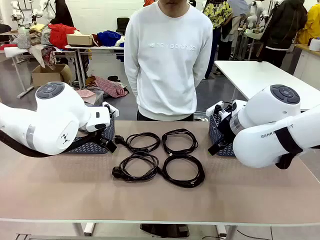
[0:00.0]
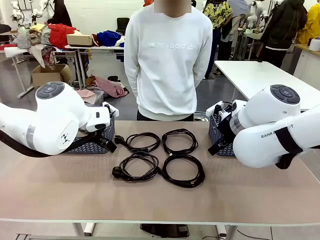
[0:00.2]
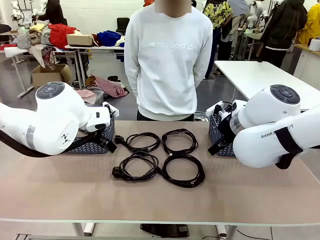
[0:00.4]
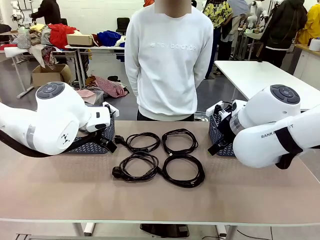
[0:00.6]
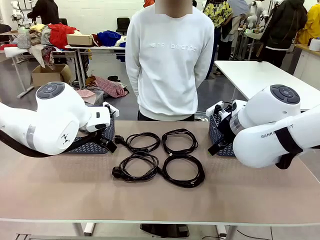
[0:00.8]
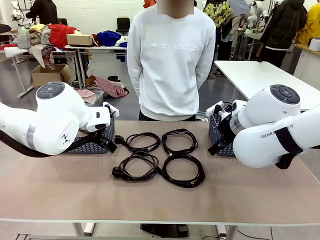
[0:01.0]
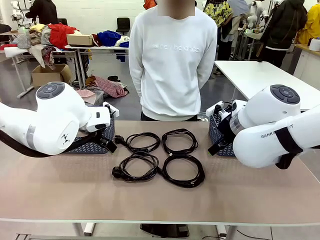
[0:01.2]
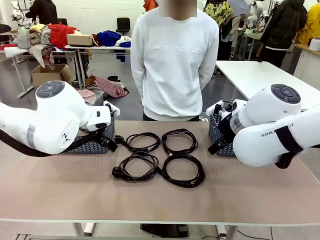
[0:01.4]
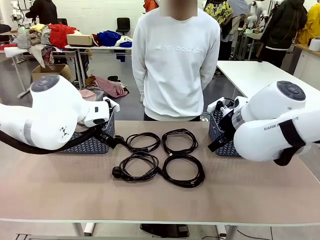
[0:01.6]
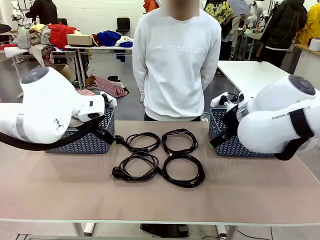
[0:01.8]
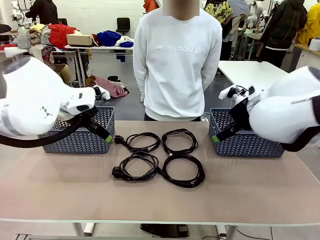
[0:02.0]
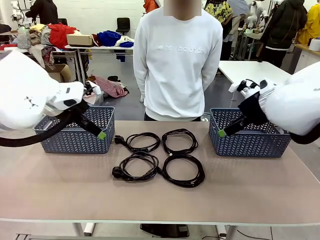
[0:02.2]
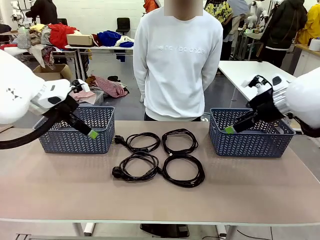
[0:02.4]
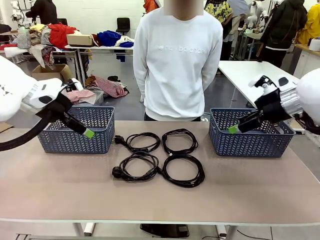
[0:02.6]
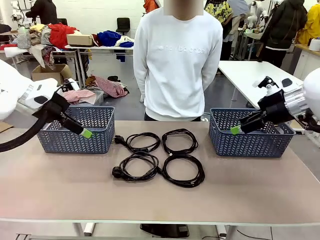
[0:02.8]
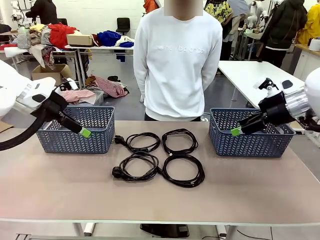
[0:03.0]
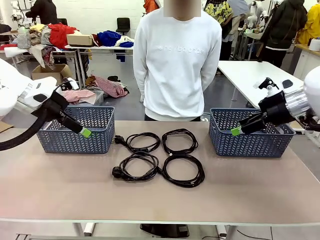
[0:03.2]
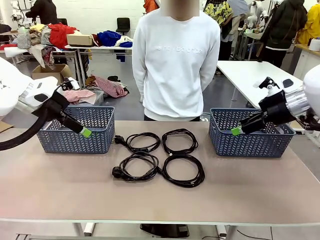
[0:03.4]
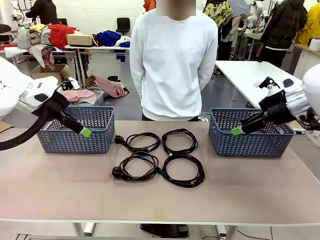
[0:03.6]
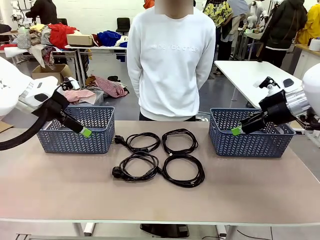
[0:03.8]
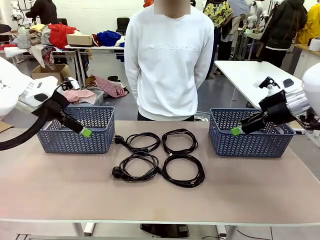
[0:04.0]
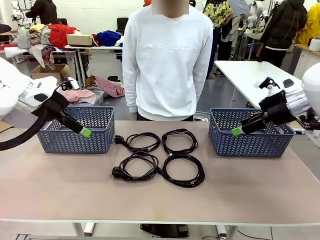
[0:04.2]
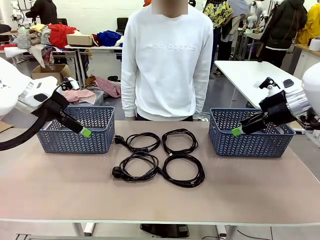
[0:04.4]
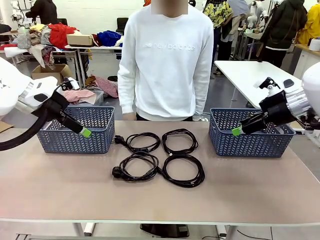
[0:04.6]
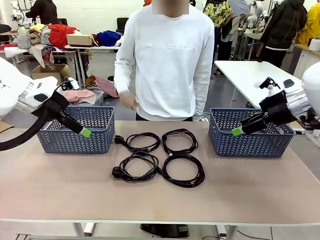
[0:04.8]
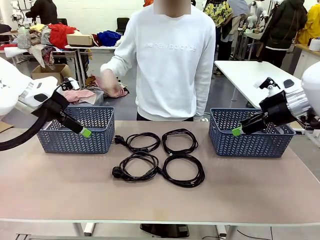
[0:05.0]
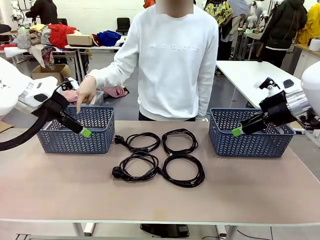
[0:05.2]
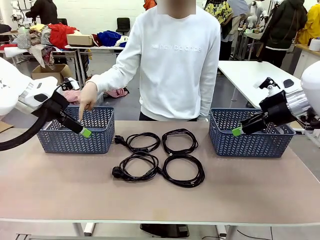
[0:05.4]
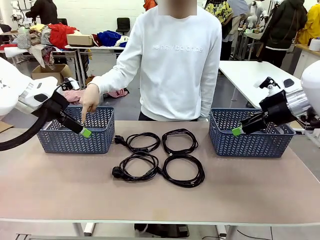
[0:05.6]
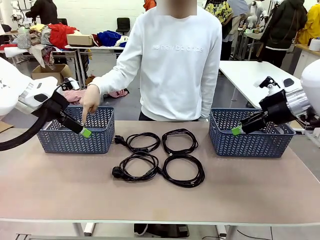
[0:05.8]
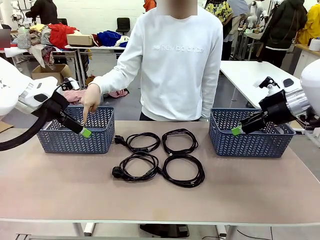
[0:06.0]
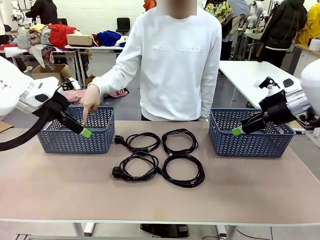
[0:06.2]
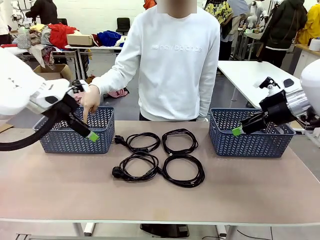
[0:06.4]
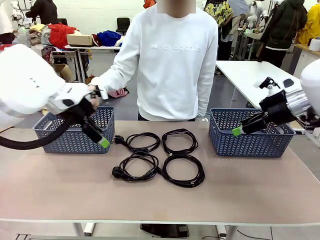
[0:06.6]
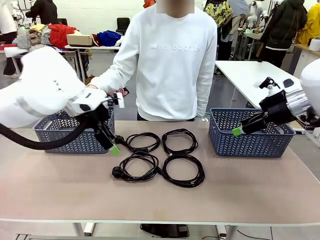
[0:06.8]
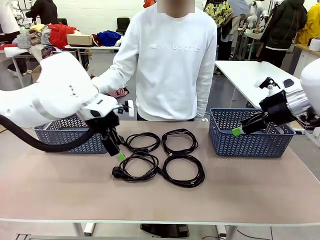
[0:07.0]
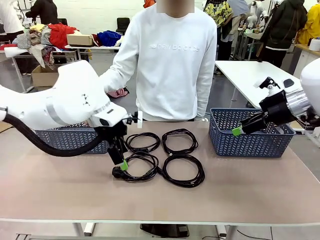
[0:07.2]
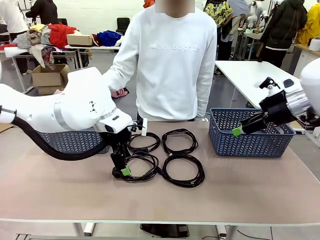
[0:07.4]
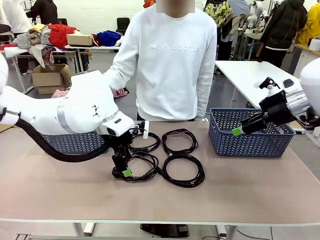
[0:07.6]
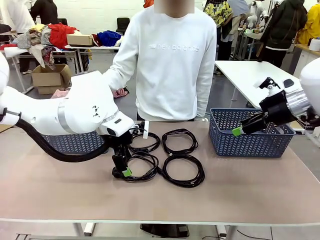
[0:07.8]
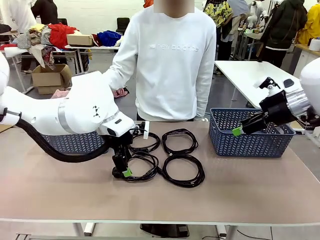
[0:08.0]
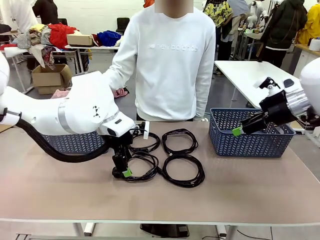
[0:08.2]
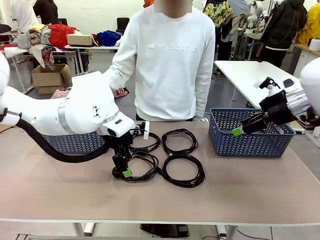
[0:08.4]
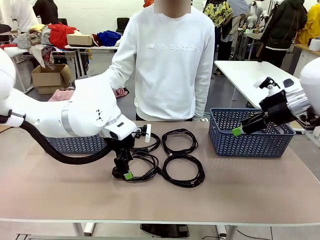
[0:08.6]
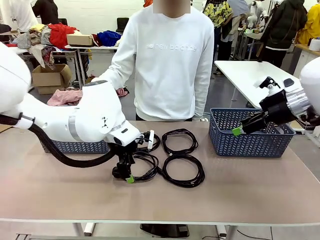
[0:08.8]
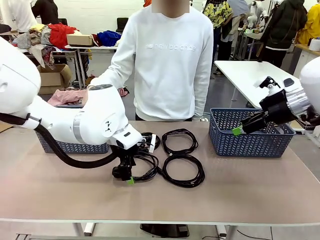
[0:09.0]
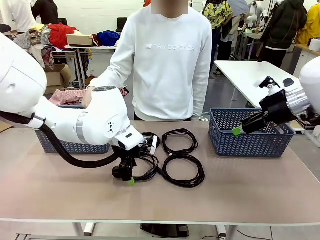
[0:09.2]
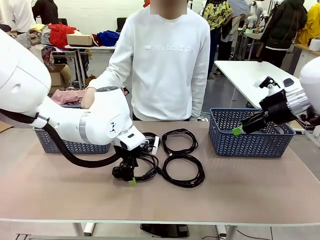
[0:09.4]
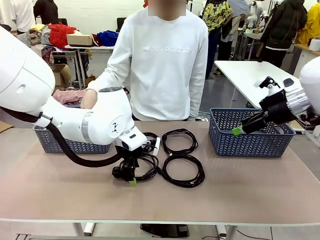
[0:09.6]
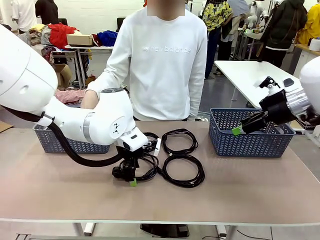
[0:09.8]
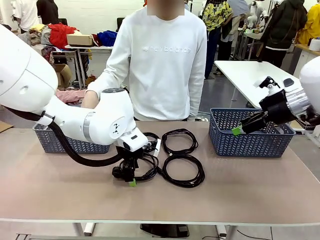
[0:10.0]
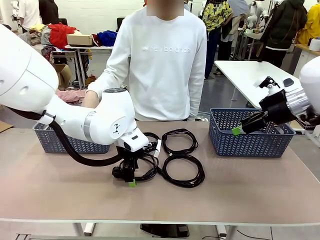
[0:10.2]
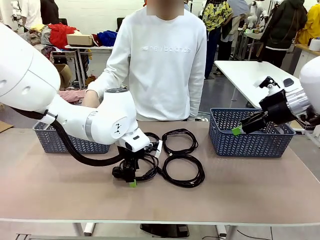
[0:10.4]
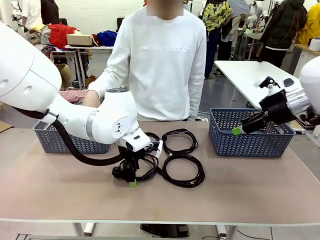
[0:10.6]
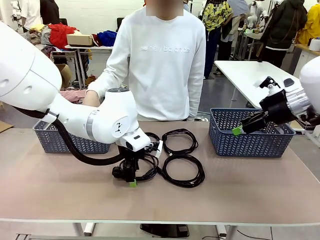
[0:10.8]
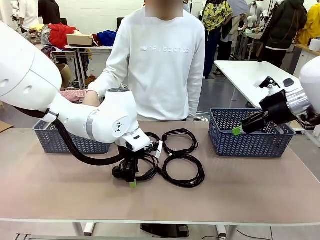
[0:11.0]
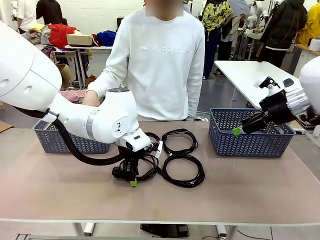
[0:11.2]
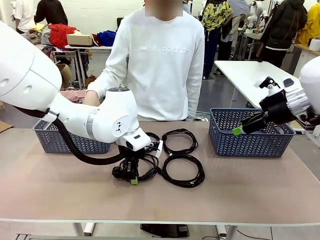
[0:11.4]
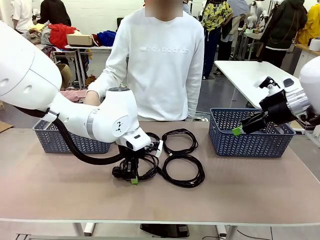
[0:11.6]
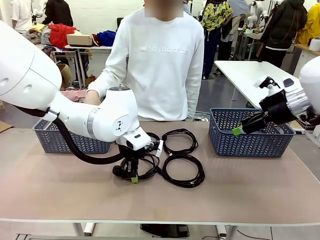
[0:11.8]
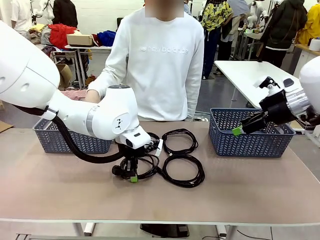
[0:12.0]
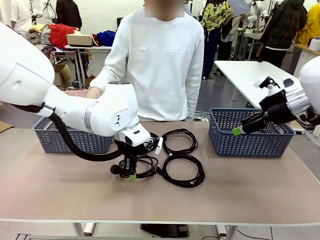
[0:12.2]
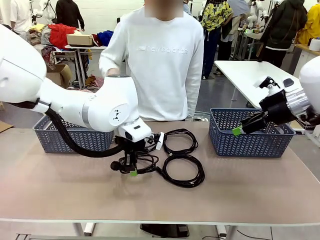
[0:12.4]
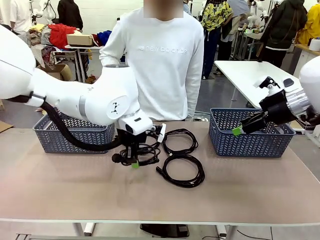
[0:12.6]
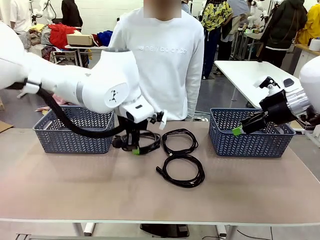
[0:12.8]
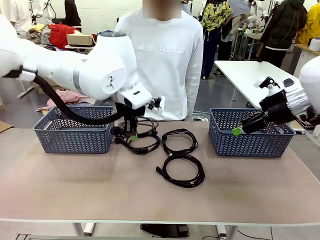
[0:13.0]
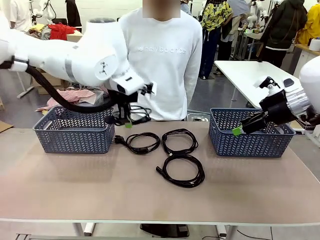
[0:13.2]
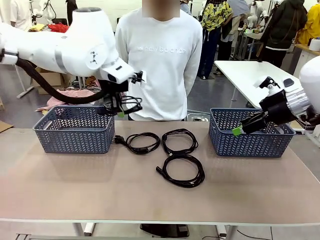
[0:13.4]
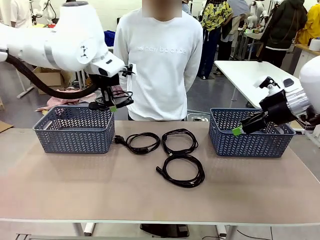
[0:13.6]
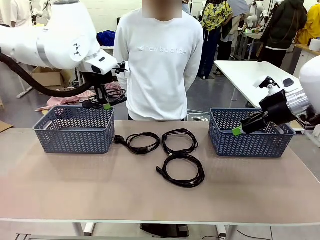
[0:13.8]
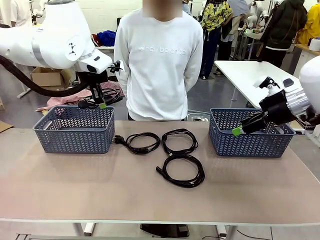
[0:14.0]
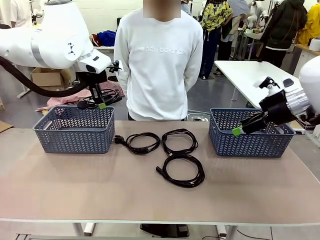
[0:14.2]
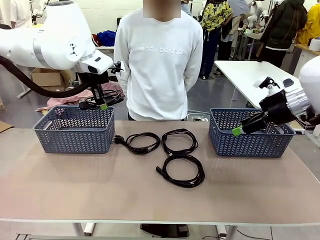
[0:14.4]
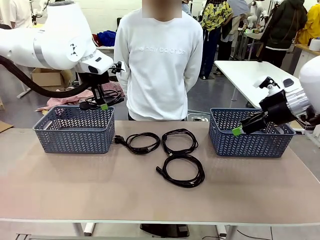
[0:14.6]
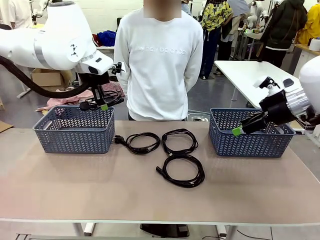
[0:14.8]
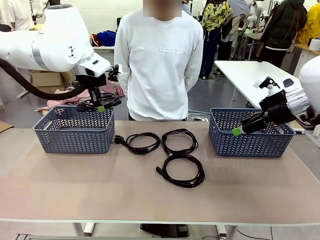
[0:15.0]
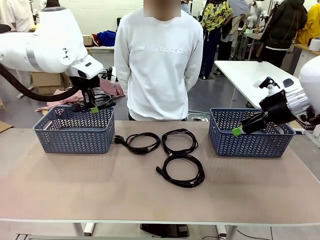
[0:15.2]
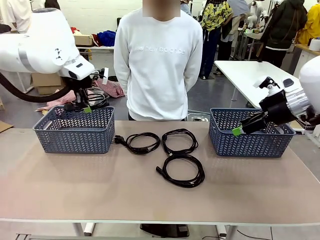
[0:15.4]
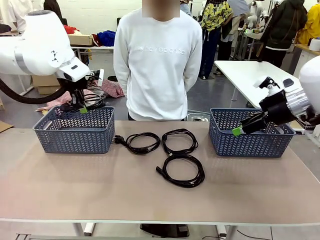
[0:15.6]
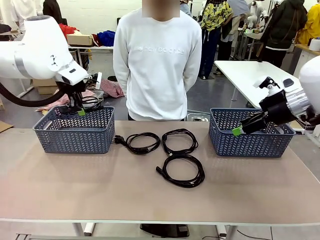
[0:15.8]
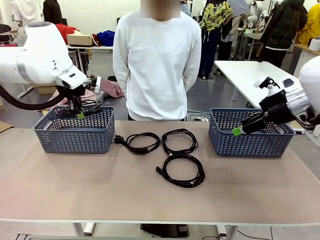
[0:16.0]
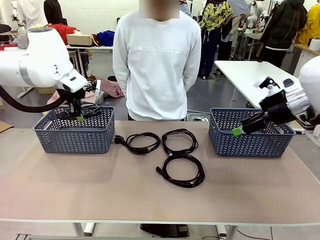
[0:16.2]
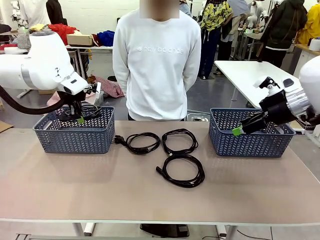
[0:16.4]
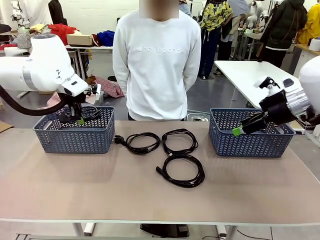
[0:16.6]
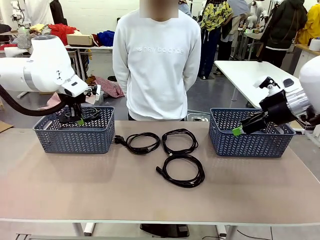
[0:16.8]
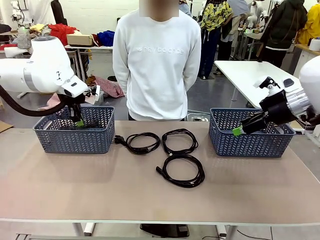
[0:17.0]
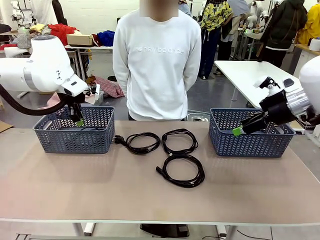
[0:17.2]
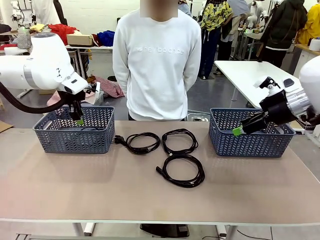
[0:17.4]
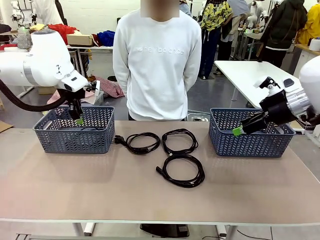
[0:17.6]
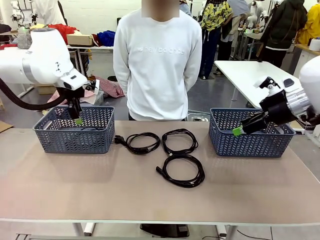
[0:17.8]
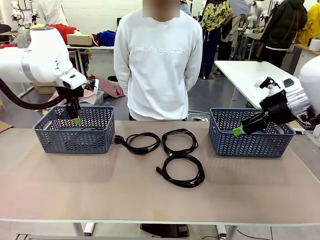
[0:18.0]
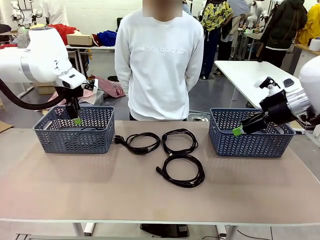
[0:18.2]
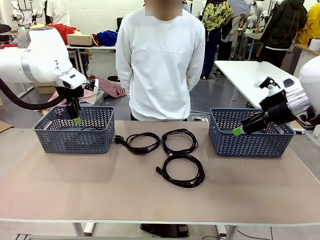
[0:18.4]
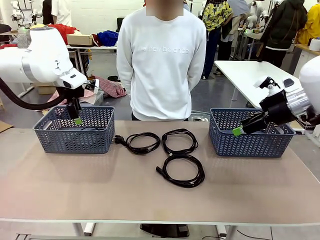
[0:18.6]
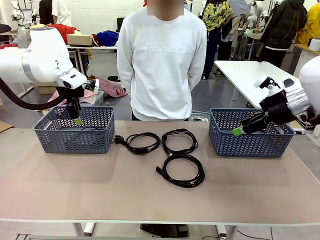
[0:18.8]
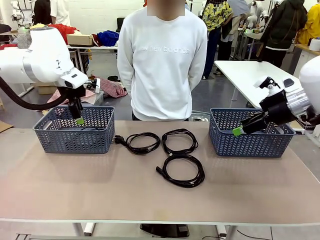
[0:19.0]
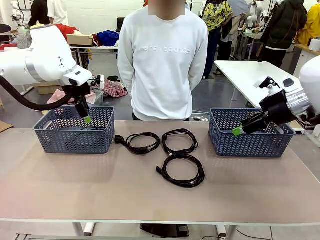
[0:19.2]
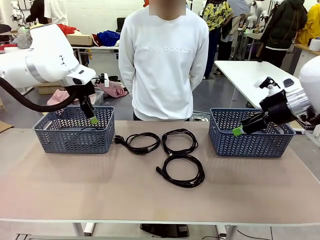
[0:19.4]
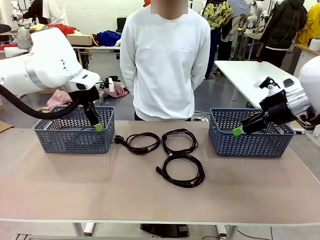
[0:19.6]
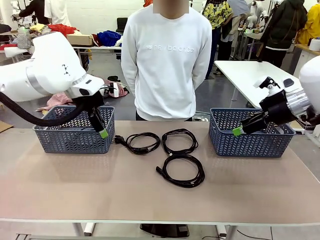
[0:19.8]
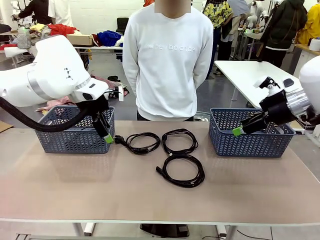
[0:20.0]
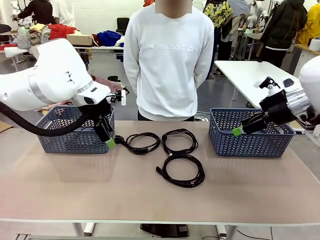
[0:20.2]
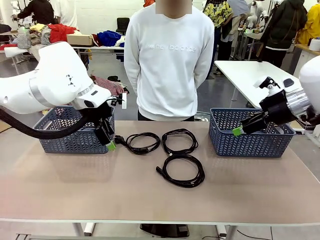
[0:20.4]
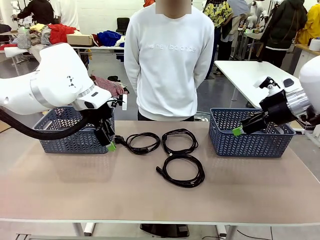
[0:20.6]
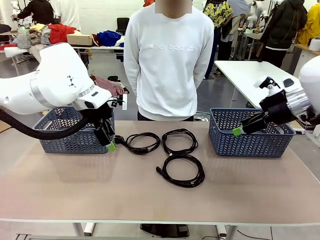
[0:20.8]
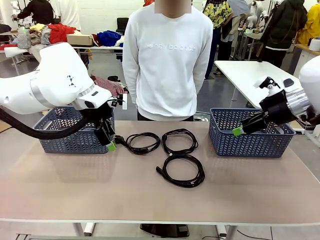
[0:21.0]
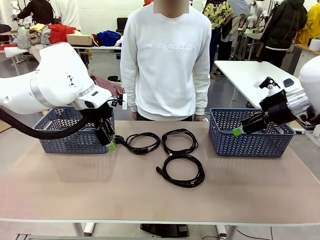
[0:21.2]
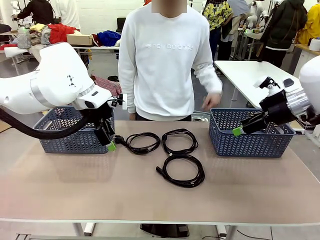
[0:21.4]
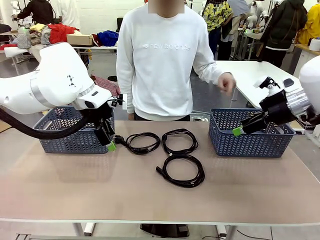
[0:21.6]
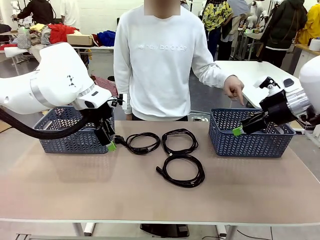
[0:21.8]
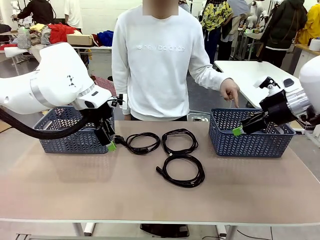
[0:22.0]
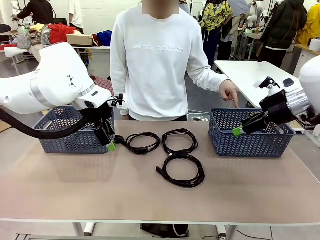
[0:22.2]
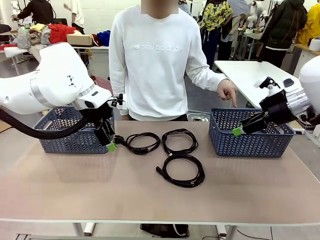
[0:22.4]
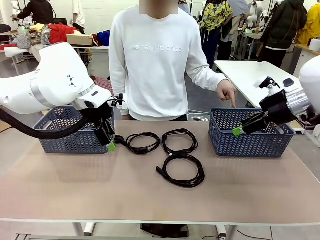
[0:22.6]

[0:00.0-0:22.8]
Task: Organize the cables according to human instructions.
Robot: Pick up a bundle of cables and place it in the basket indicated by the human.
